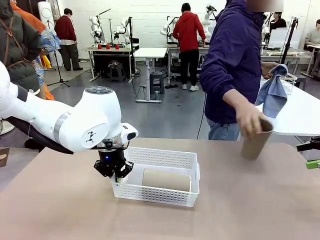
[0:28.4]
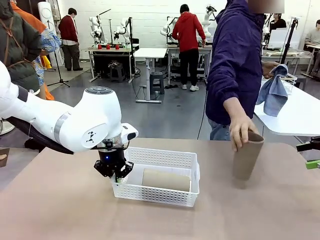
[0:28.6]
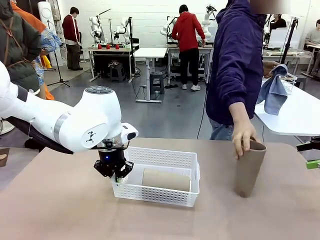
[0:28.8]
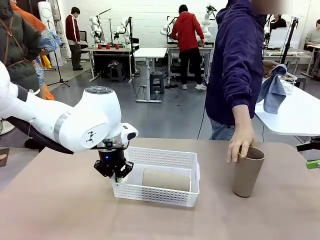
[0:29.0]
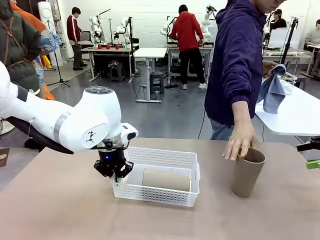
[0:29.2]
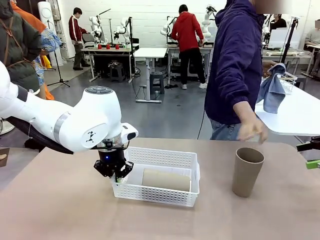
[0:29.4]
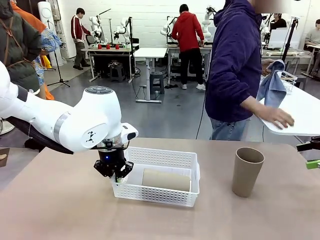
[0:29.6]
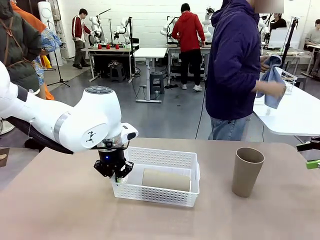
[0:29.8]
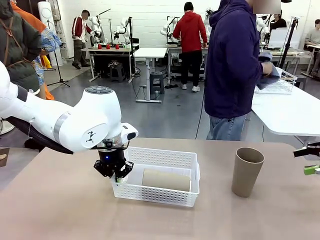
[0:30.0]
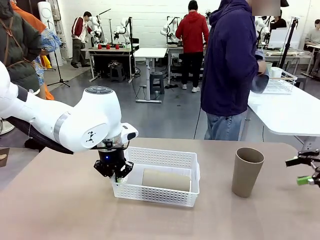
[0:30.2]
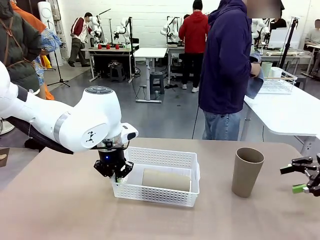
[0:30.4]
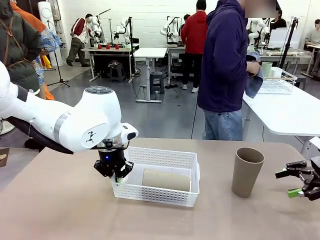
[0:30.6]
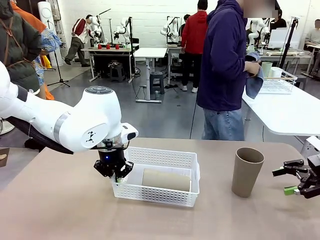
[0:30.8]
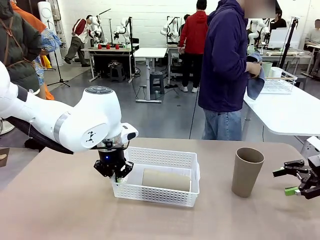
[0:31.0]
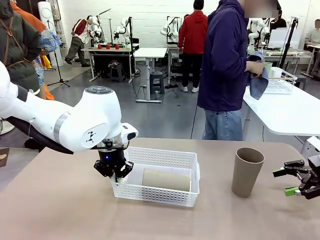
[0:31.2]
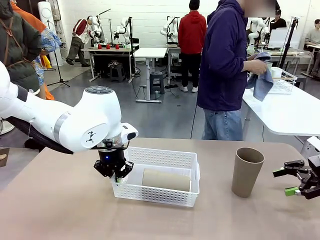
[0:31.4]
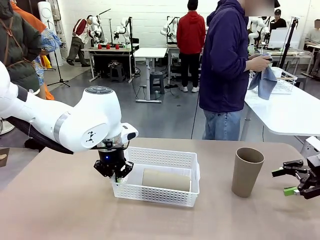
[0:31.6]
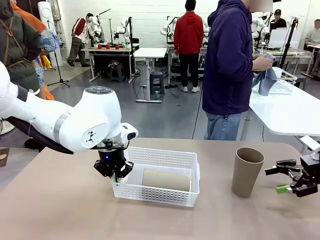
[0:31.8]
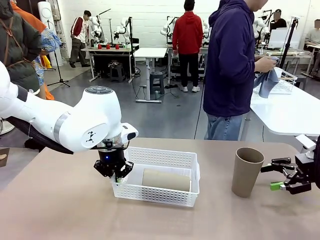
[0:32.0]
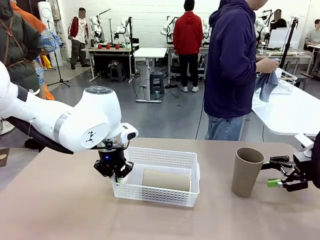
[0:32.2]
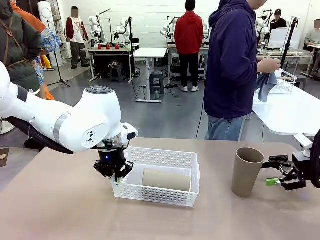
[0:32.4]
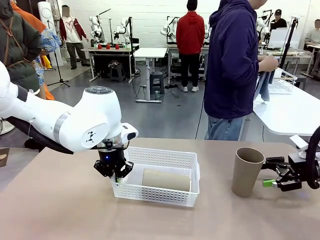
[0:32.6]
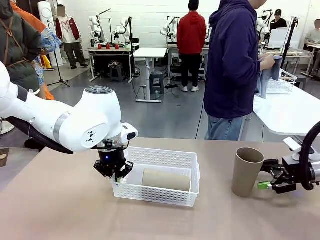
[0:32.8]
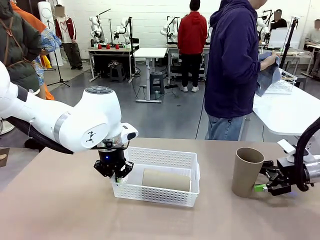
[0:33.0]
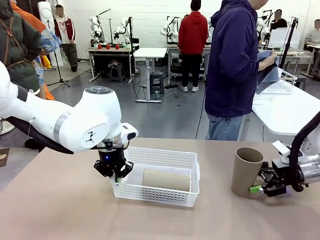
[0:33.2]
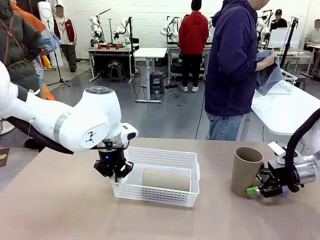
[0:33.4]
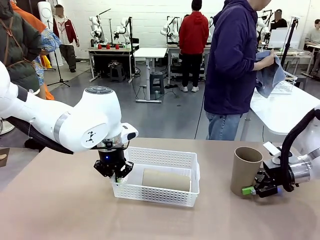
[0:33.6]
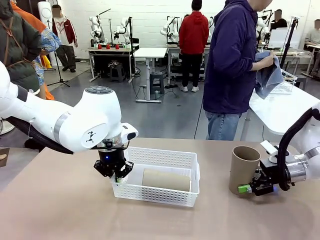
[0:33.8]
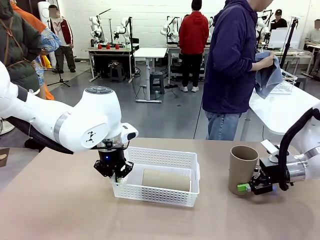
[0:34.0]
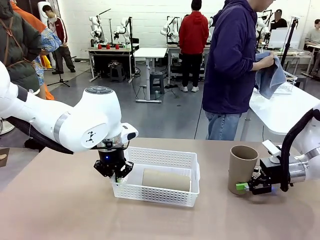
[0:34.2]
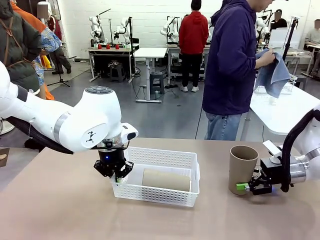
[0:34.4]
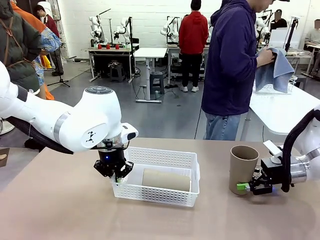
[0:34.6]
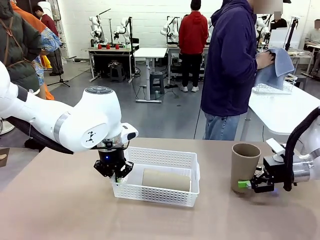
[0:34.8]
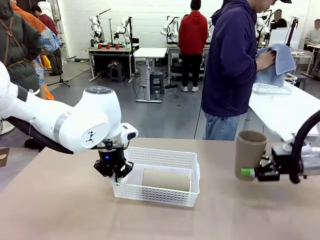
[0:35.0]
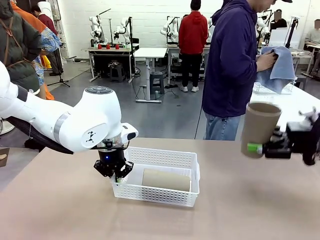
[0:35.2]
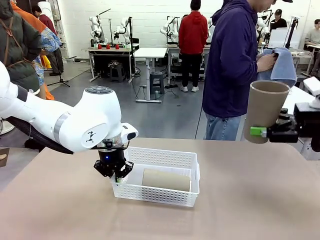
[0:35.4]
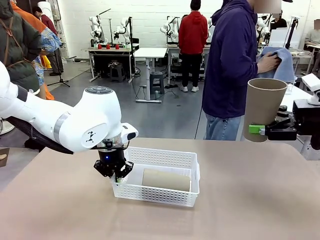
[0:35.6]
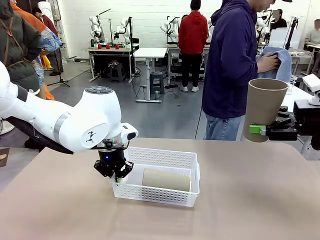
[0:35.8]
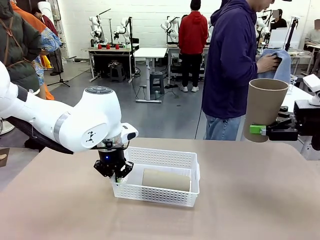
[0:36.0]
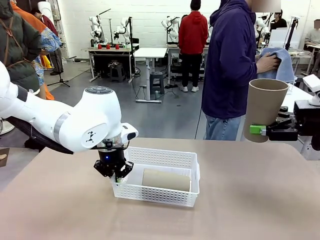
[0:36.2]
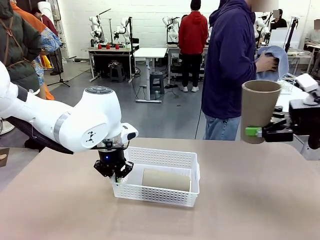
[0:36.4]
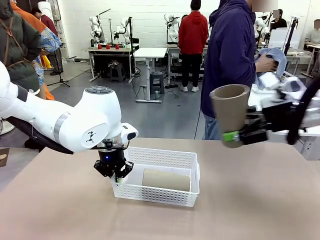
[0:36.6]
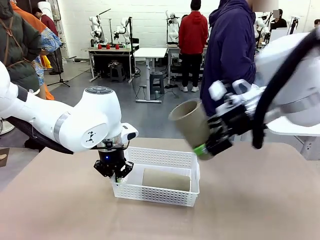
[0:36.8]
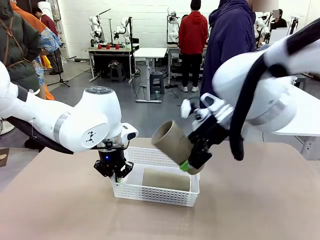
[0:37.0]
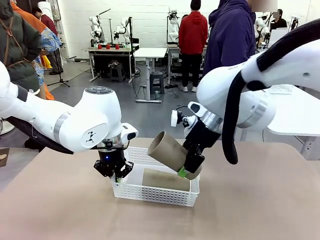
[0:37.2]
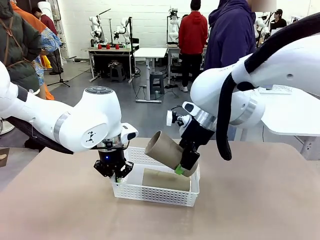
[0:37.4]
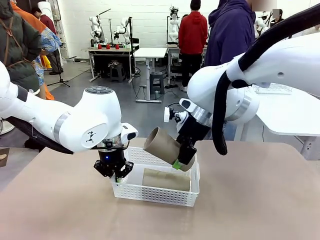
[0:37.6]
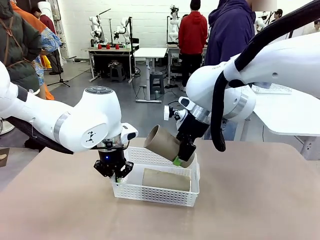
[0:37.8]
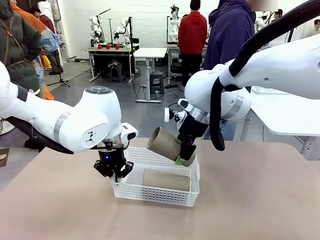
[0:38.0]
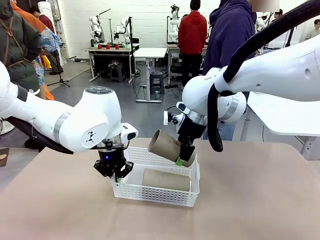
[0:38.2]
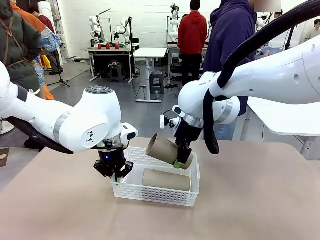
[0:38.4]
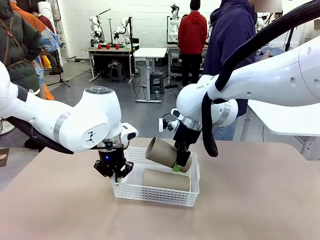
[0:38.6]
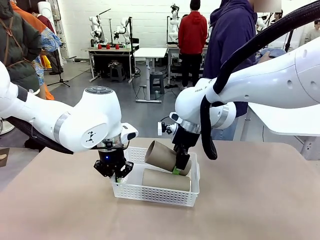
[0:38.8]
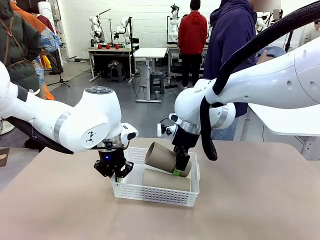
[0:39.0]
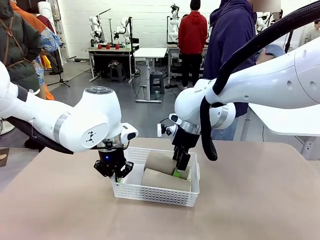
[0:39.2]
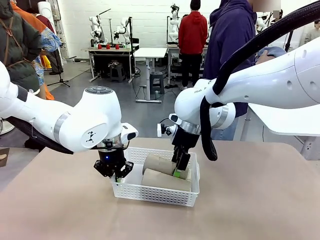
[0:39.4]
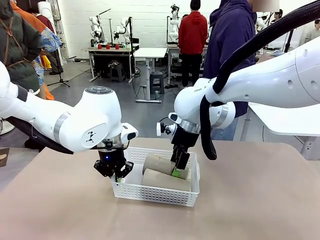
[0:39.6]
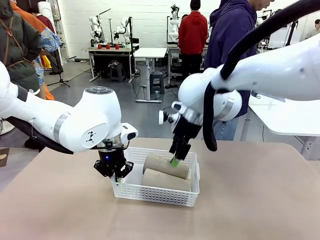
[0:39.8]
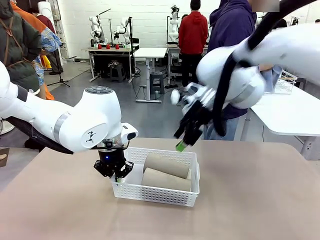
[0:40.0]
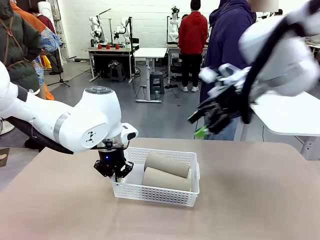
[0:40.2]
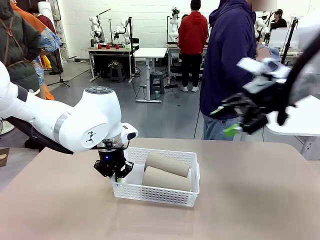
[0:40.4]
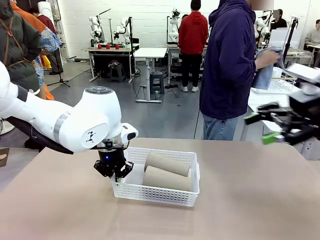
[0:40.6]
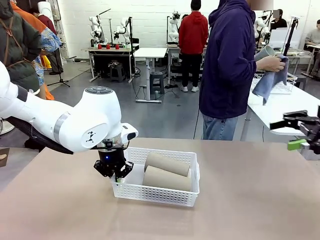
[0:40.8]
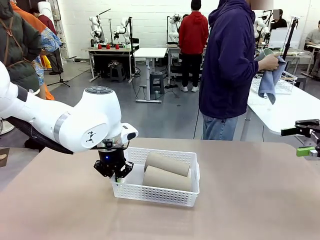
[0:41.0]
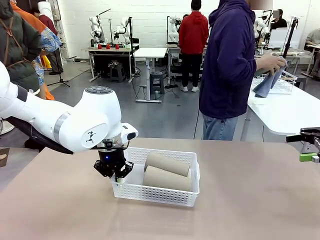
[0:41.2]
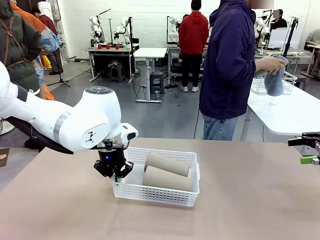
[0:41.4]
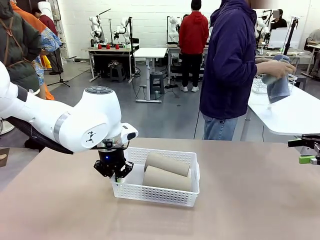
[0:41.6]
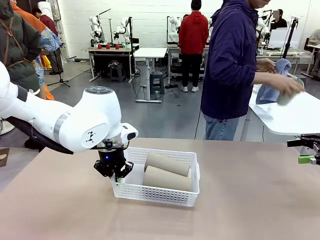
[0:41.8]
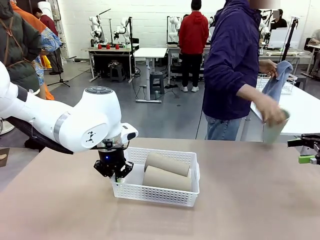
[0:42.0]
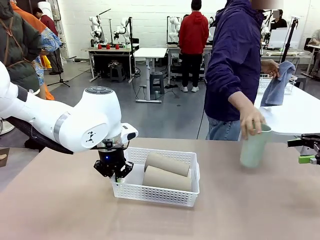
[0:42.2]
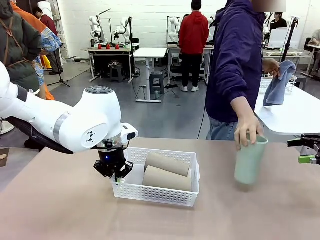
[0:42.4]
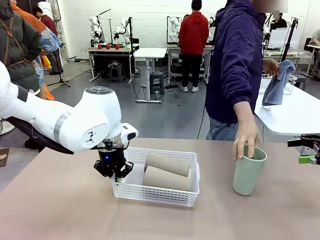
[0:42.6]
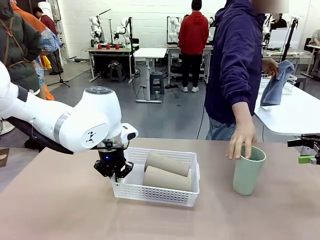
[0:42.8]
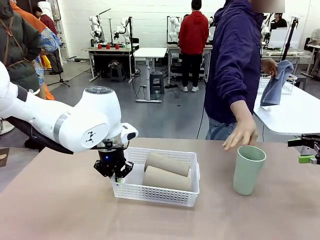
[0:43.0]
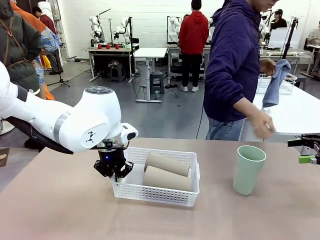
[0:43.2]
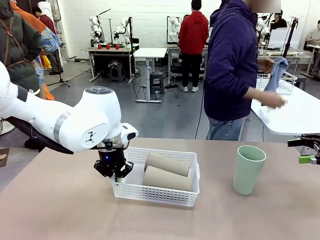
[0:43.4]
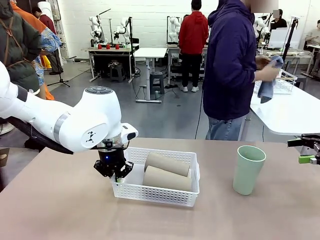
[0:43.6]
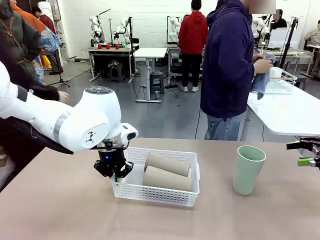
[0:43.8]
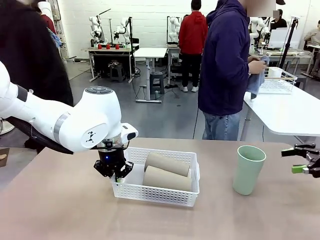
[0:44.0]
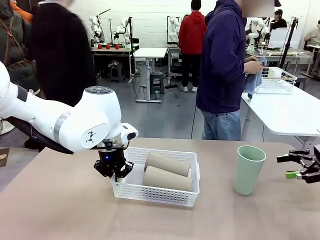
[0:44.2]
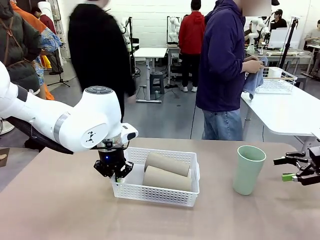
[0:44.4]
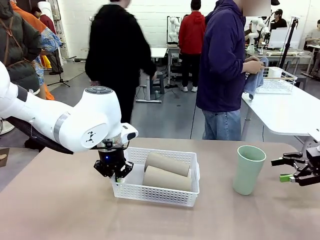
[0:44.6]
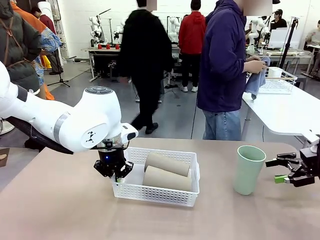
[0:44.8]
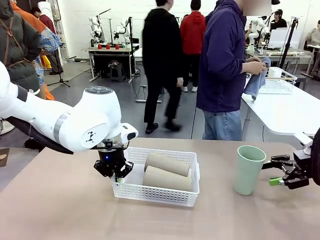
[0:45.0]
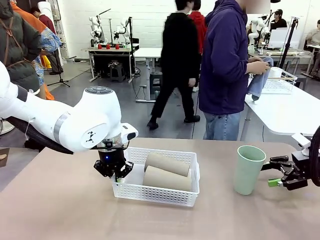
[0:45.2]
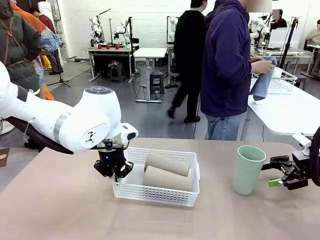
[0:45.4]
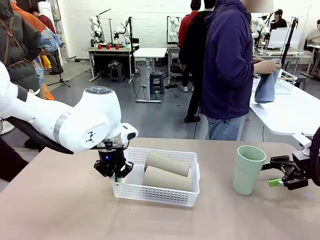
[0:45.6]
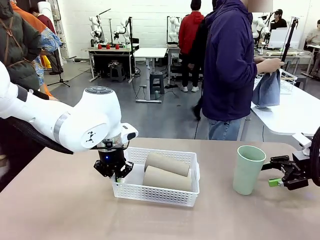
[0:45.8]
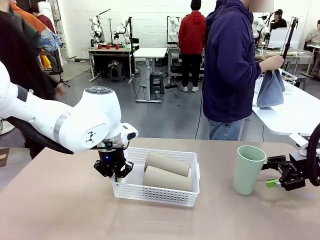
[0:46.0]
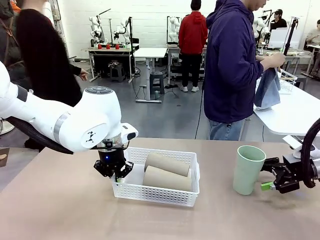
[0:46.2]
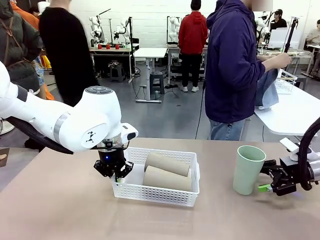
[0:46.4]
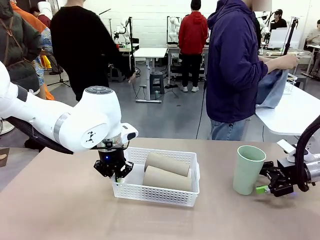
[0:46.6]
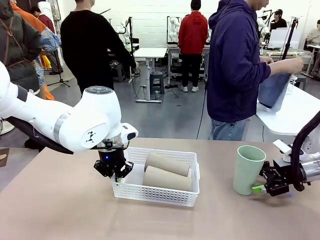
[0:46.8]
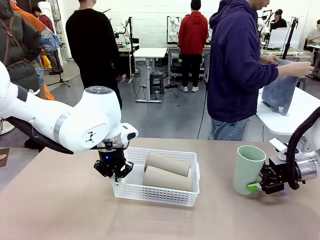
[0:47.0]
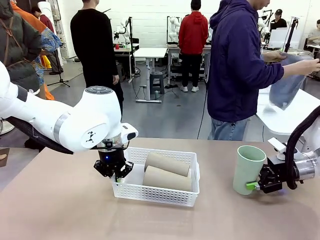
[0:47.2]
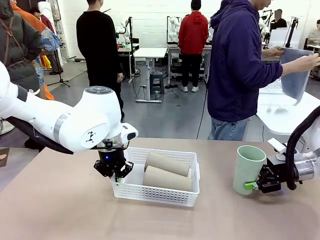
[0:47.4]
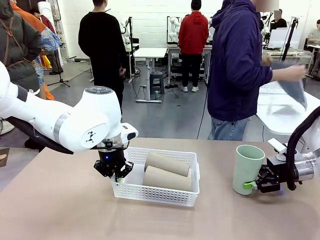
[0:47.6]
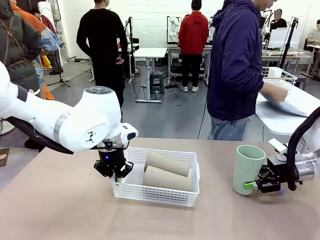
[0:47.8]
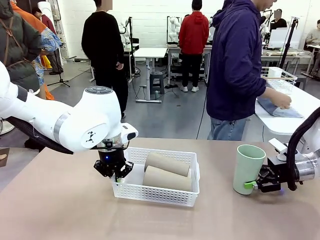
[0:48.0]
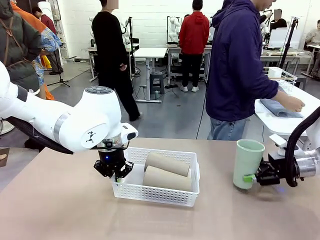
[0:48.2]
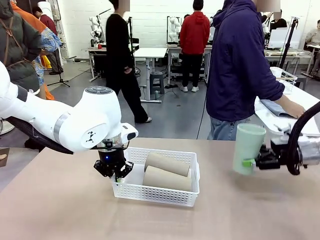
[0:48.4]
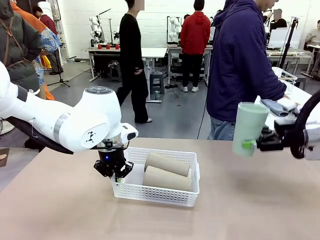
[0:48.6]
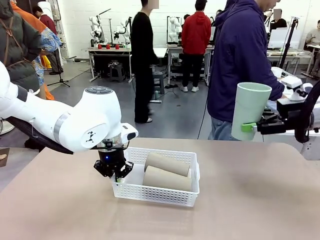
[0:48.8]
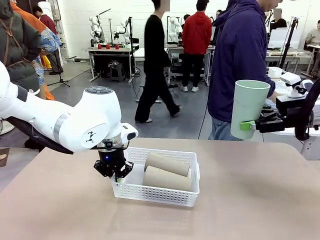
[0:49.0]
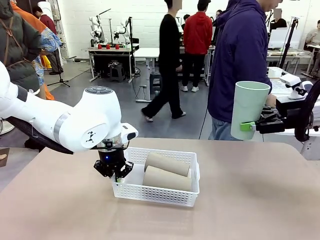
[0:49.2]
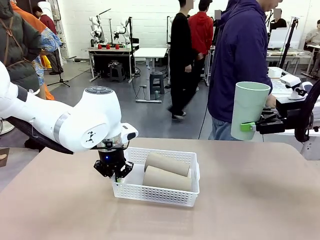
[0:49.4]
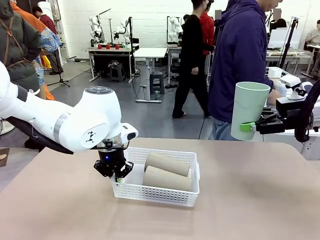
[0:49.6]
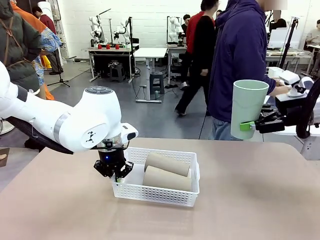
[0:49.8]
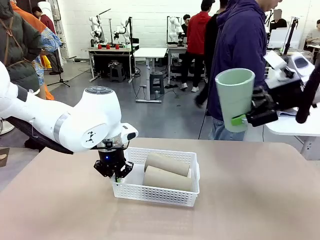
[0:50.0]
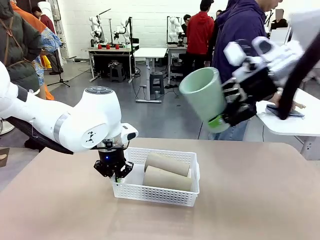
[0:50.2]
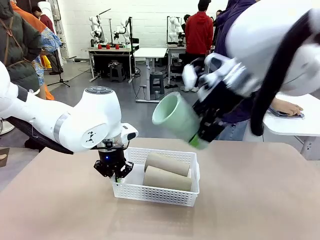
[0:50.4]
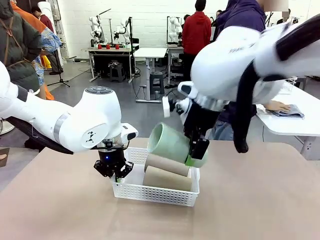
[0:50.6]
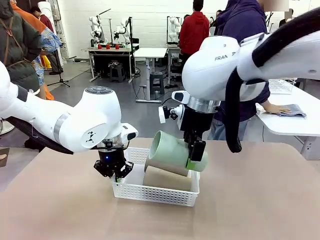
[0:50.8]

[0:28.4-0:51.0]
Task: Clean and organize the cups into the basket.
Robot: Pick up the Reusable plastic cup from the right side of the table and stack it inside the Organizing basket in the center of the table.
